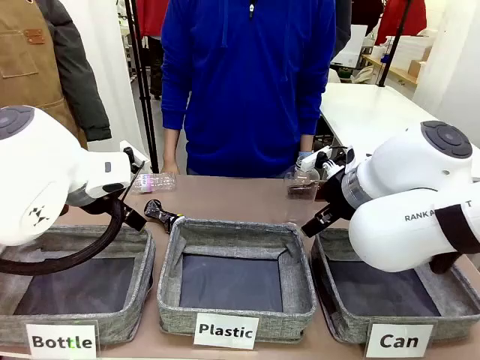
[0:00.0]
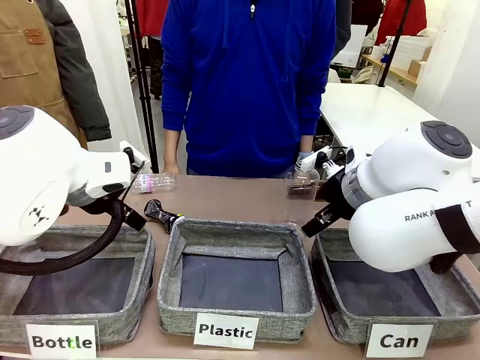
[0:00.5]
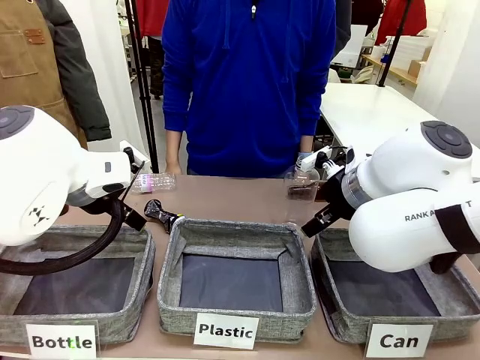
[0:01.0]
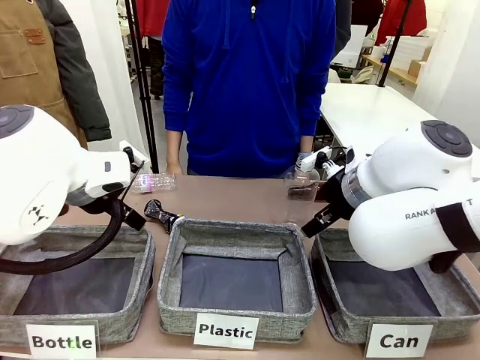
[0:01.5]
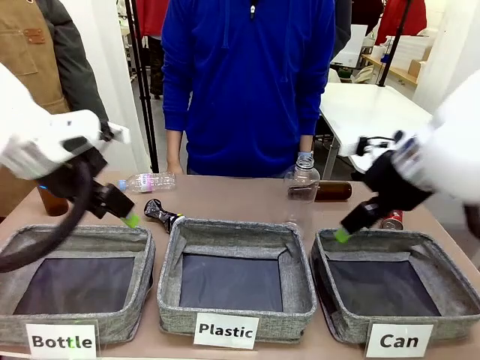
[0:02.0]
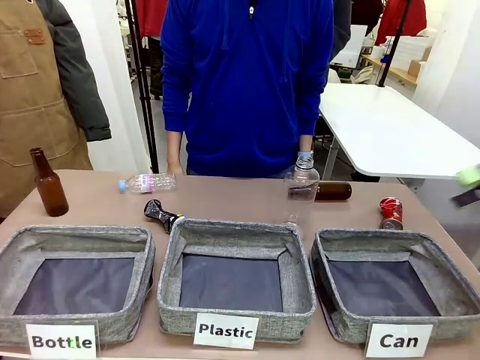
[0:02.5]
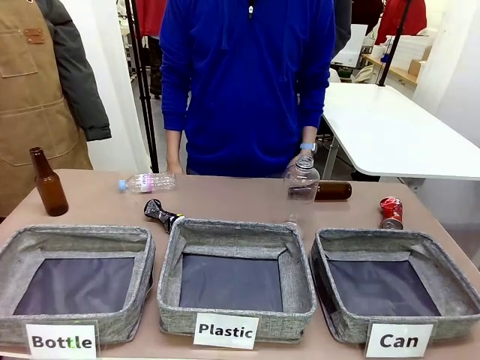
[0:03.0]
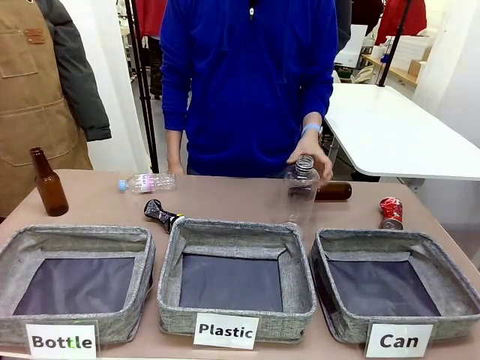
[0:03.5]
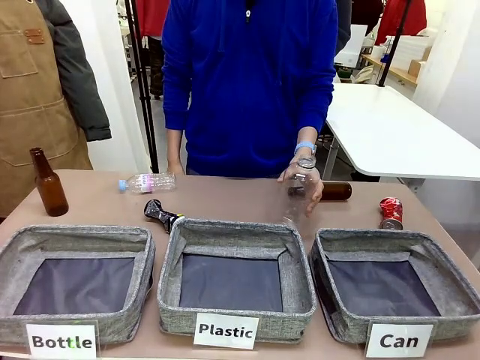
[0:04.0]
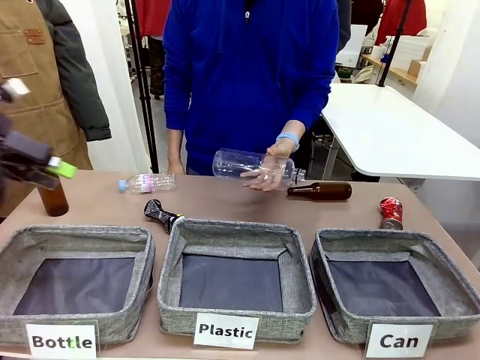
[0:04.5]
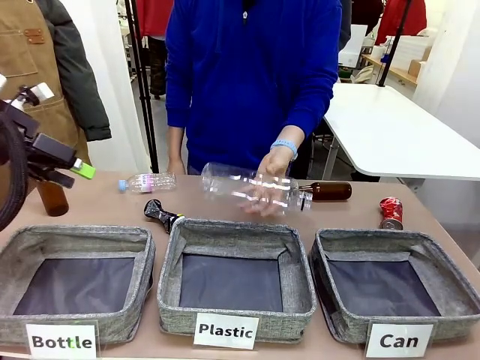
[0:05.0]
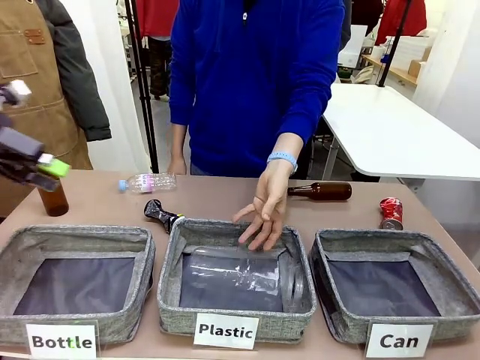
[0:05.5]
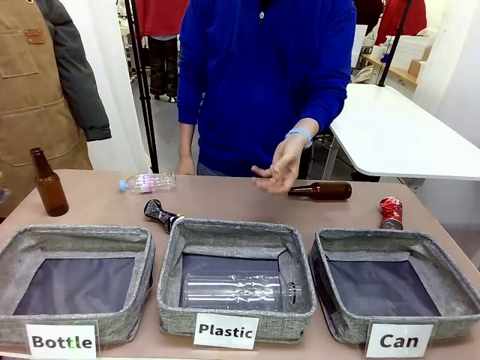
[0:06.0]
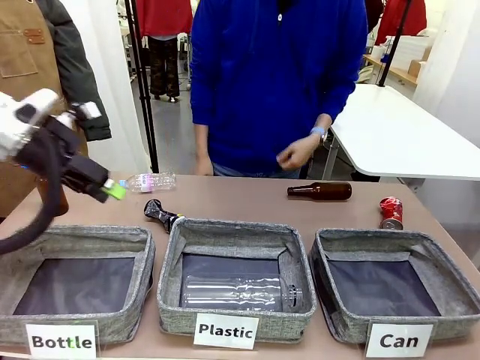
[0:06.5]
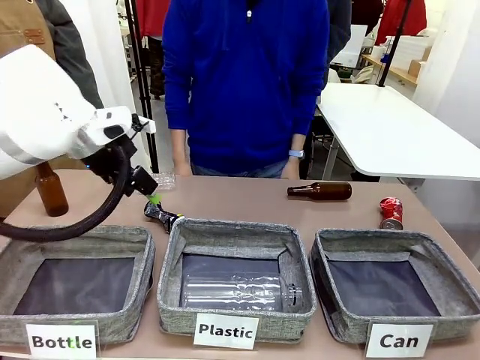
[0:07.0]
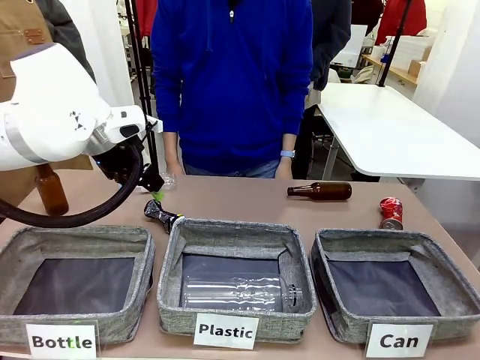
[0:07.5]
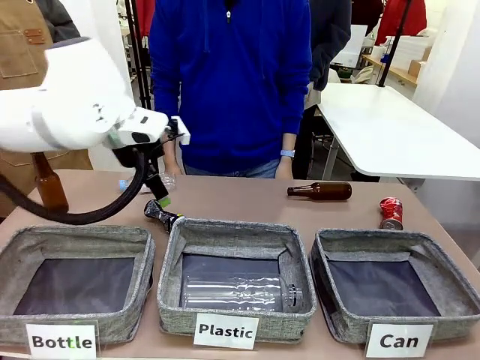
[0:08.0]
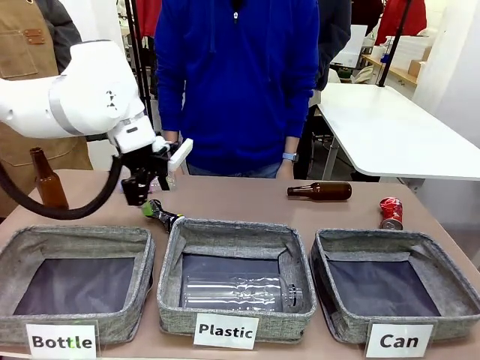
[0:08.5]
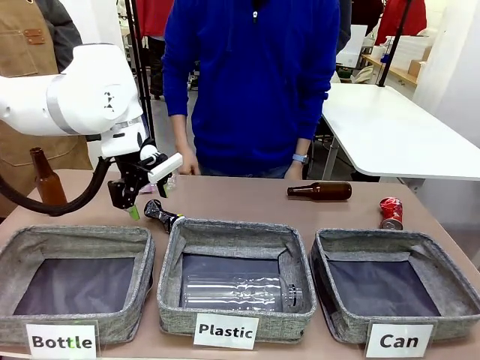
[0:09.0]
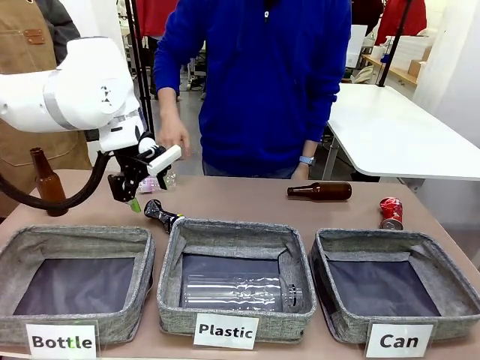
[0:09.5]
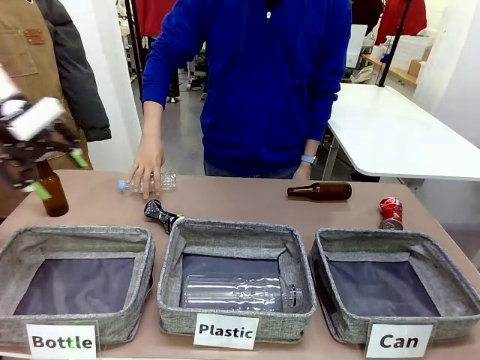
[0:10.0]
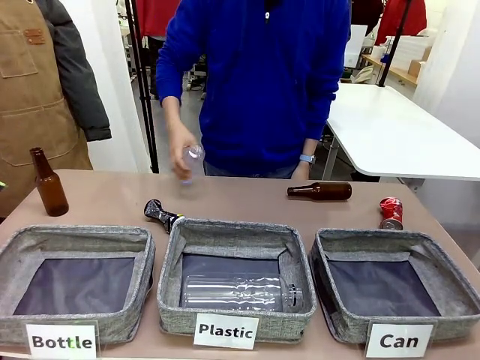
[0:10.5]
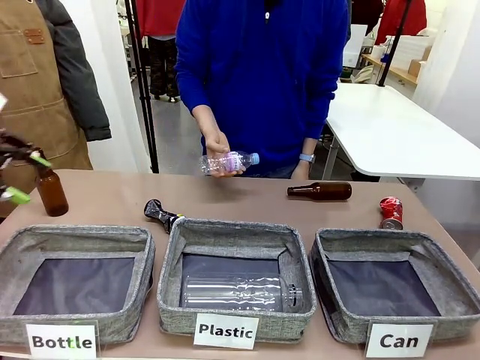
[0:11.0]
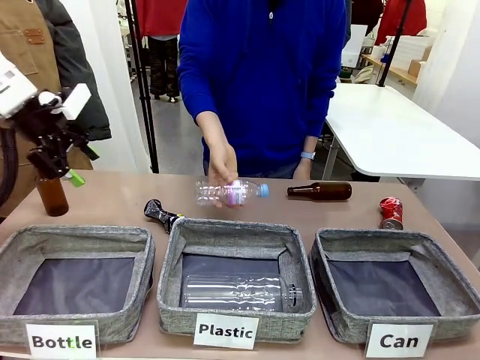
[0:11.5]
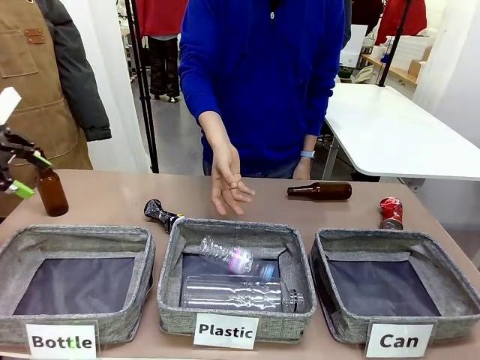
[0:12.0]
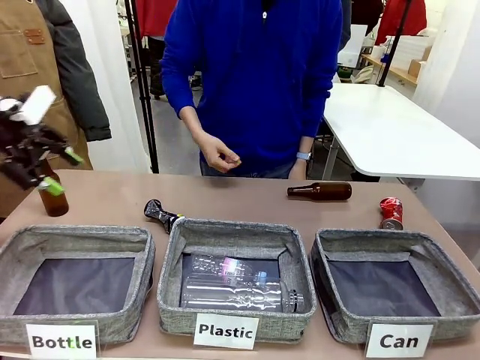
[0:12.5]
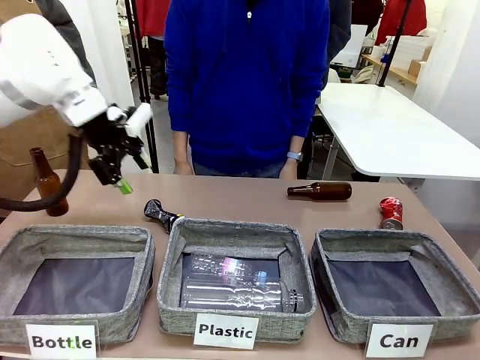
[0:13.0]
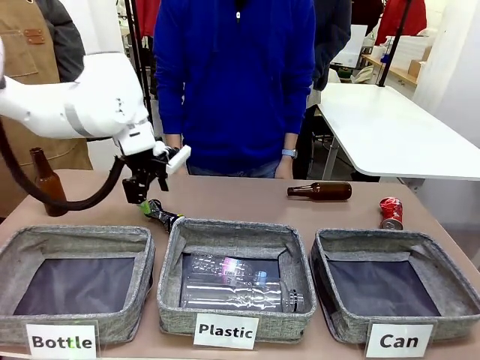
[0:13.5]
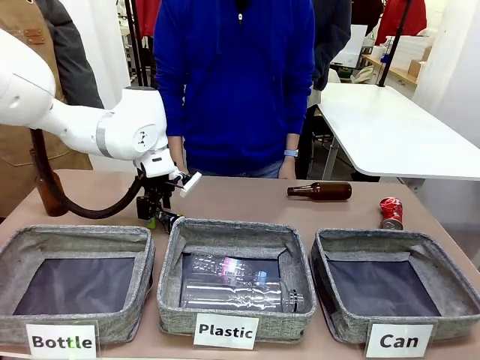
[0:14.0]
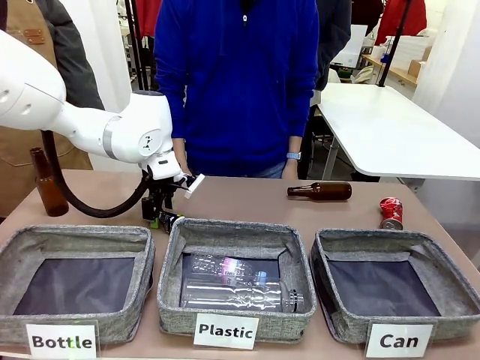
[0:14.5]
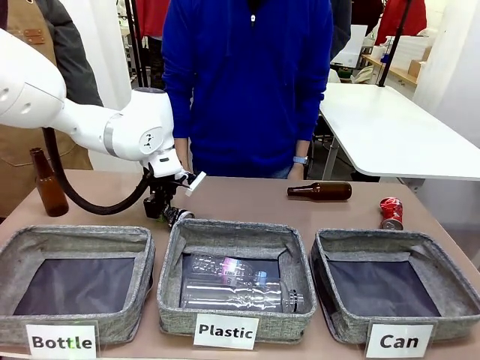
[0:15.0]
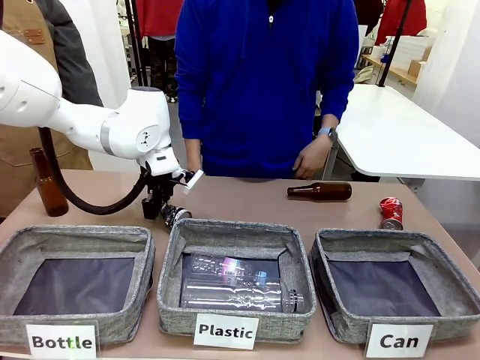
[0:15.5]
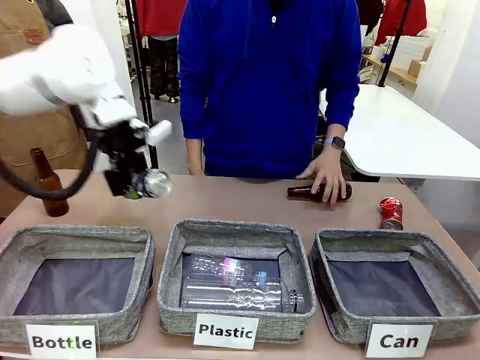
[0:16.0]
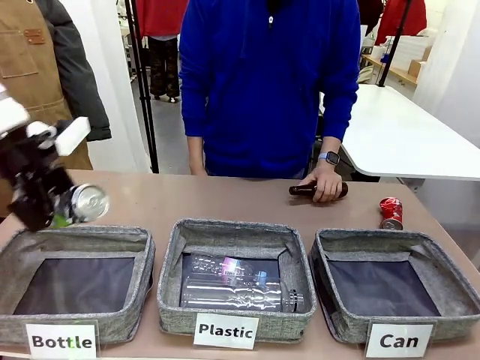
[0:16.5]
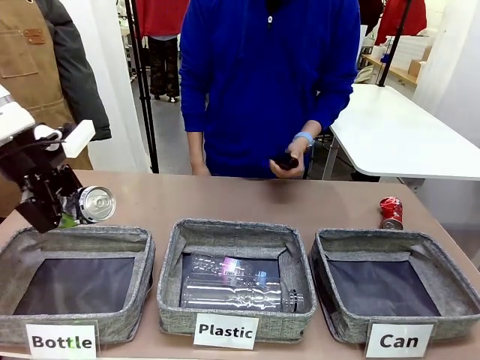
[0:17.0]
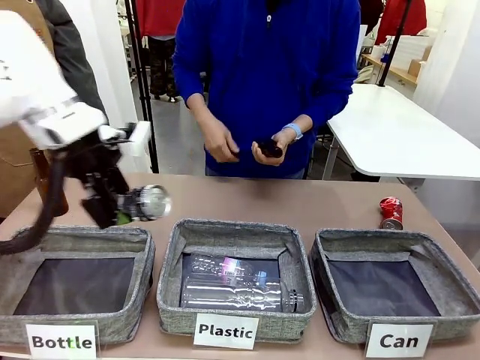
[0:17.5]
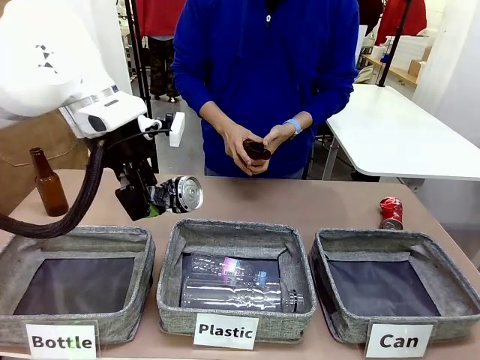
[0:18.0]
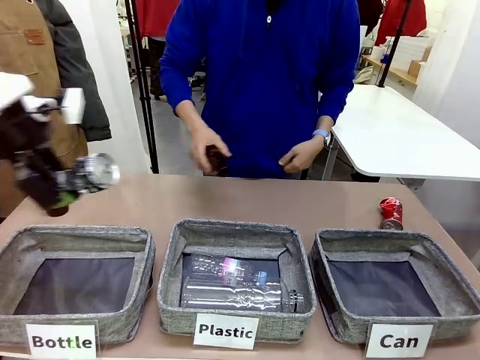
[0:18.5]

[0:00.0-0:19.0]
Task: Sort the can waste into the basket.
Robot: Pick up the can waste from the table and place it in the right Fabric basket.

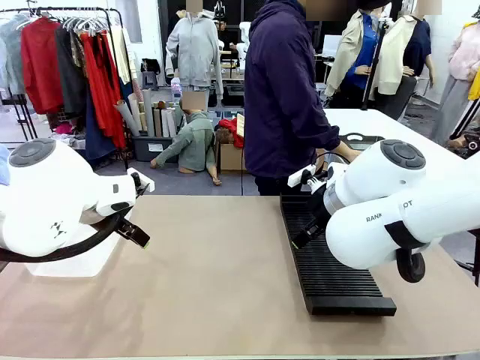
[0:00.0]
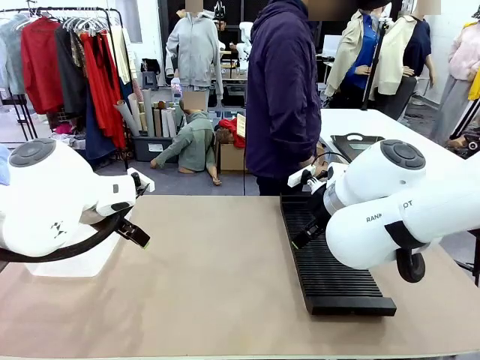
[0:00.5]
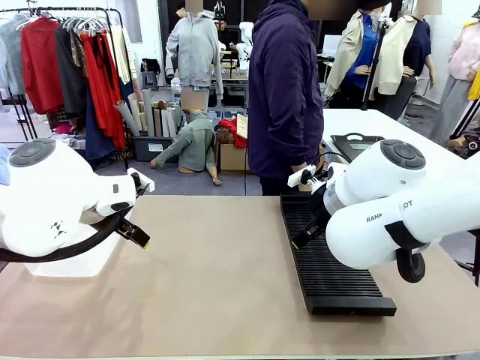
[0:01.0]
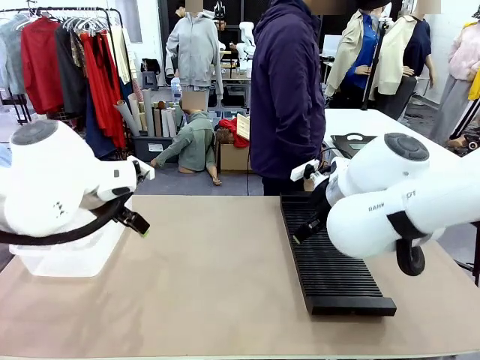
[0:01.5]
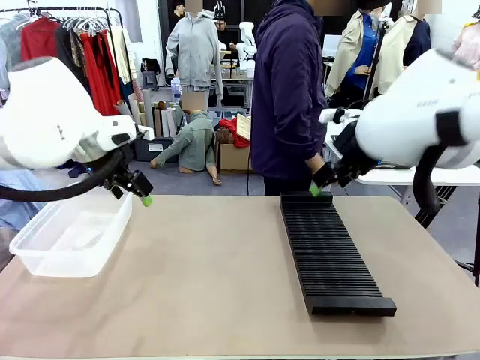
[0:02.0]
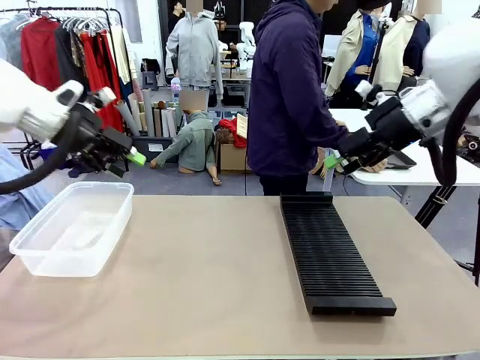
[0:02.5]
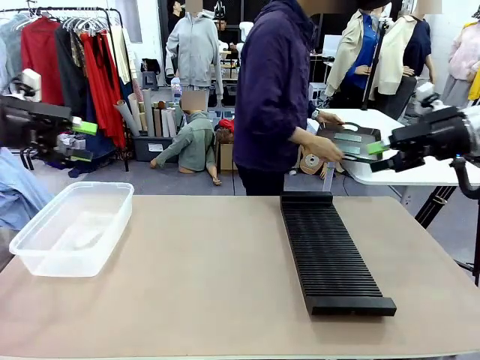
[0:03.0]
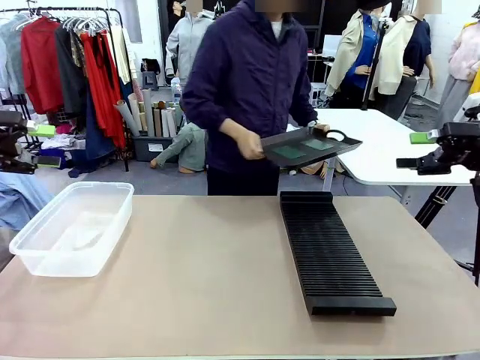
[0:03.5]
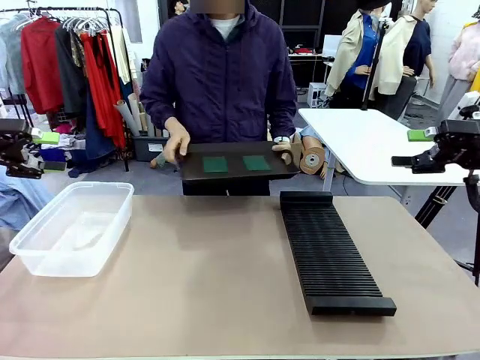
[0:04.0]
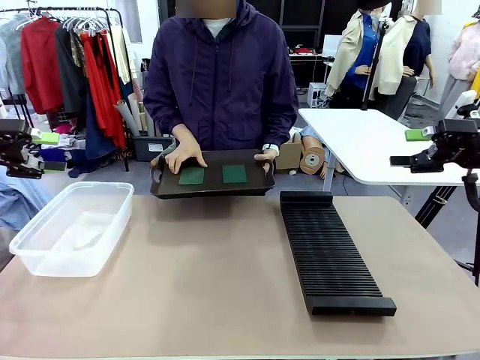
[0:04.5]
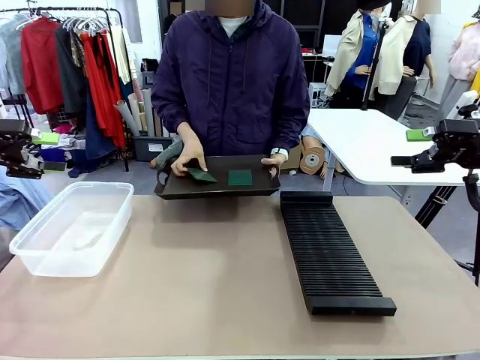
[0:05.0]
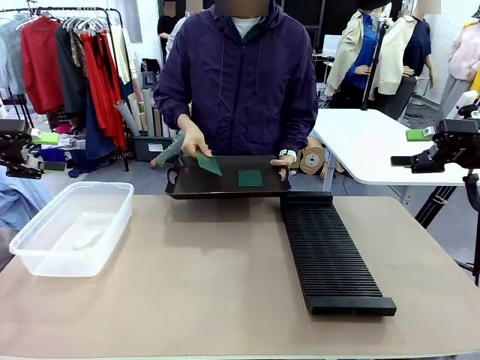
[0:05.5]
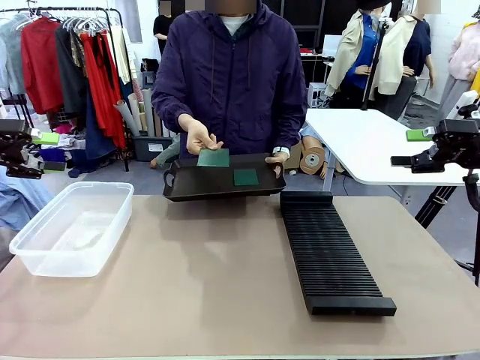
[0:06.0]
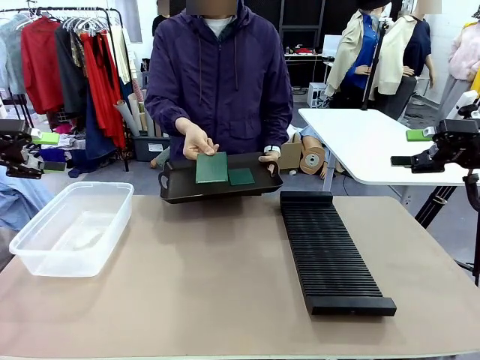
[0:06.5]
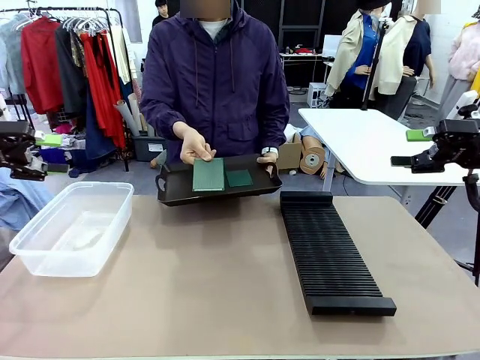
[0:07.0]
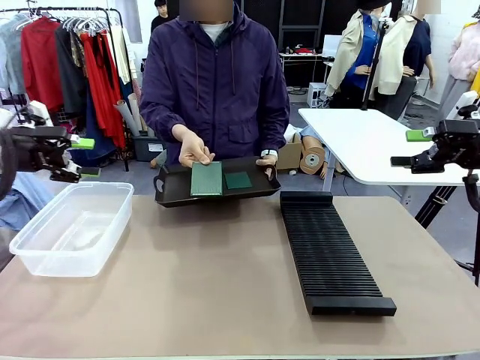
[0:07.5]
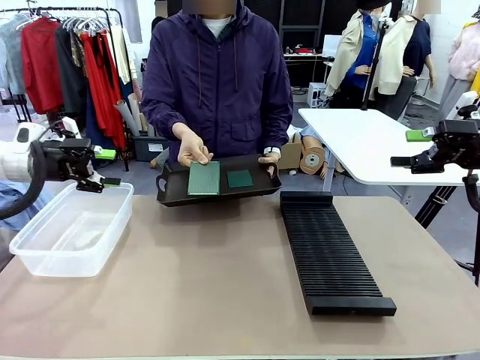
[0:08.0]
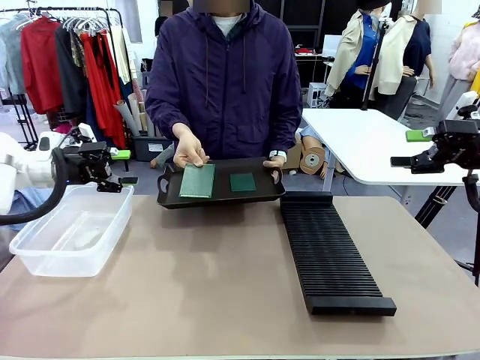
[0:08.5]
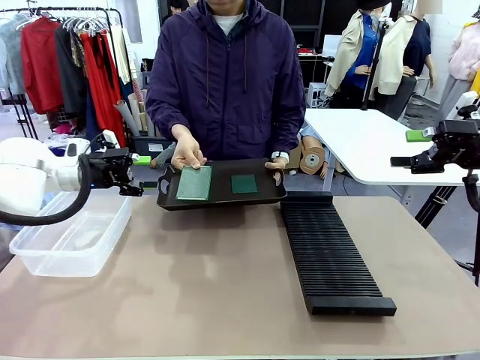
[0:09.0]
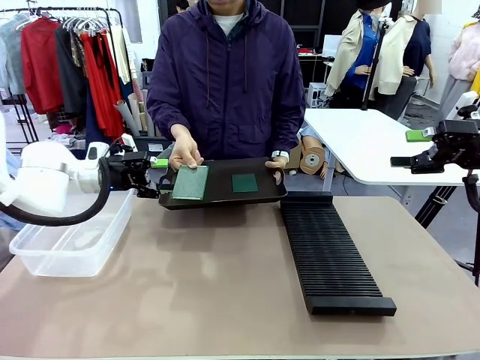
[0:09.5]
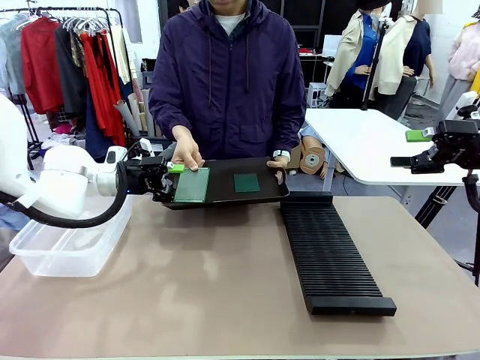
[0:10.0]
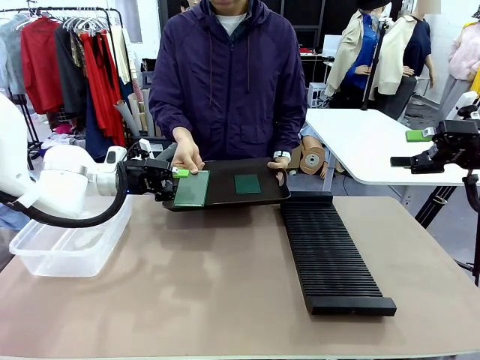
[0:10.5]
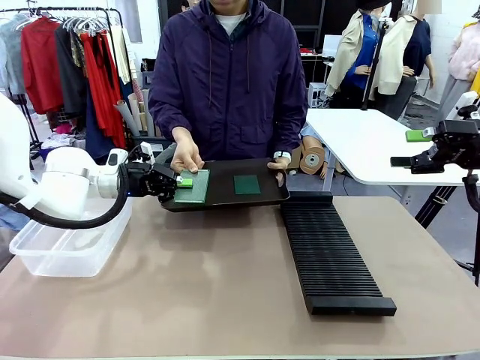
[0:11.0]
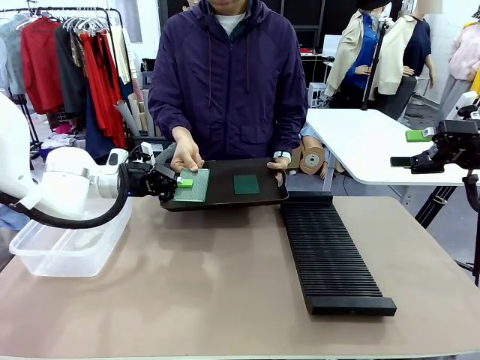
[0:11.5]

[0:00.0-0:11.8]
Task: Sort PCBs into racks and boxes based on the side picked up.
Robot: Pick up the Blank PCB handed by the Human.
Person: Pick one PCB from the tray and present it to the robot. Release the PCB being held.
